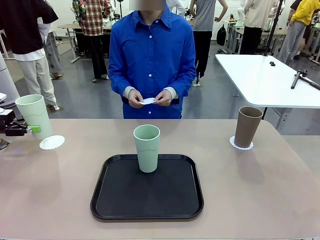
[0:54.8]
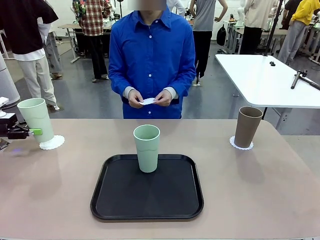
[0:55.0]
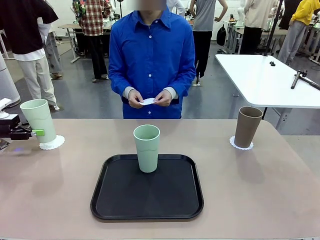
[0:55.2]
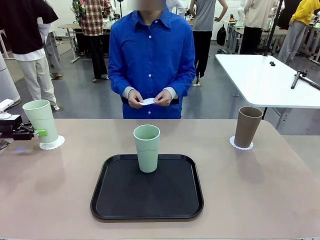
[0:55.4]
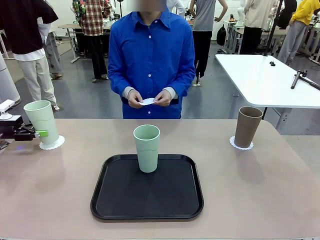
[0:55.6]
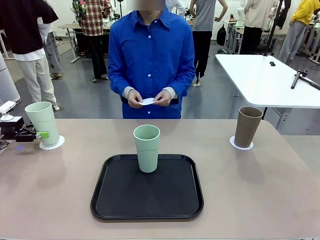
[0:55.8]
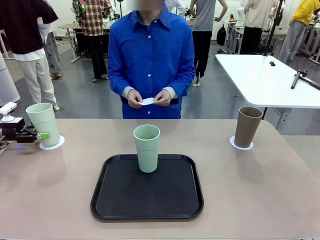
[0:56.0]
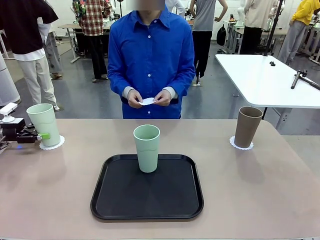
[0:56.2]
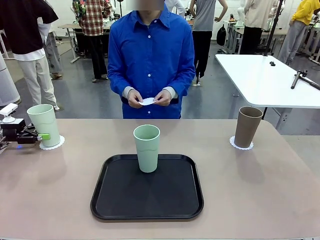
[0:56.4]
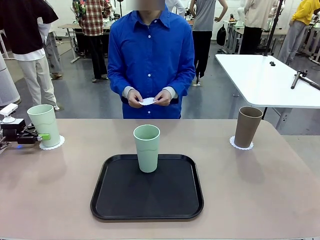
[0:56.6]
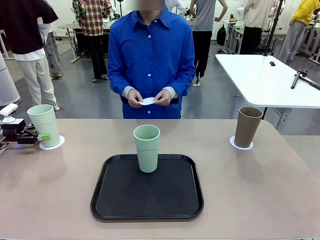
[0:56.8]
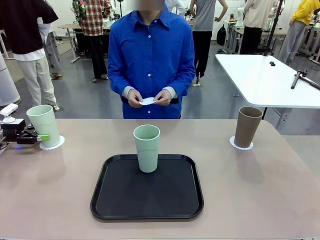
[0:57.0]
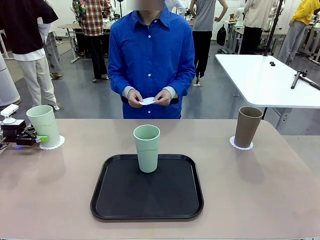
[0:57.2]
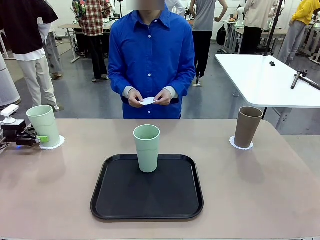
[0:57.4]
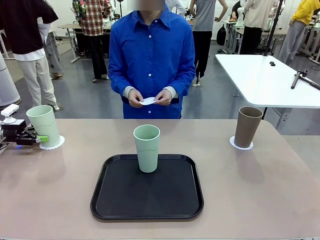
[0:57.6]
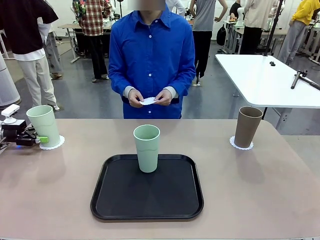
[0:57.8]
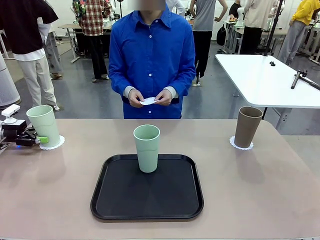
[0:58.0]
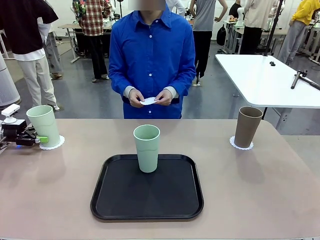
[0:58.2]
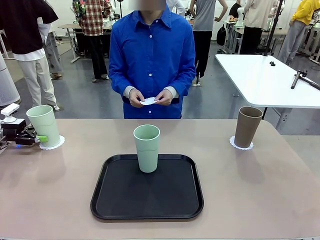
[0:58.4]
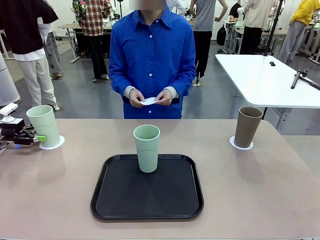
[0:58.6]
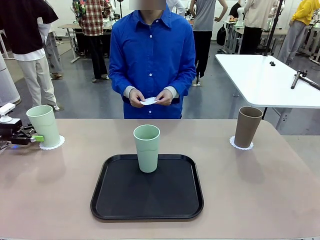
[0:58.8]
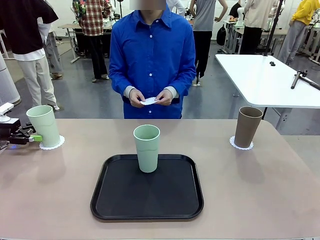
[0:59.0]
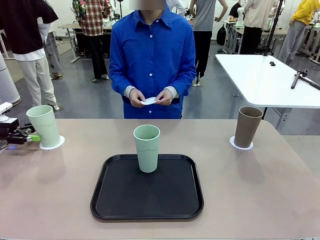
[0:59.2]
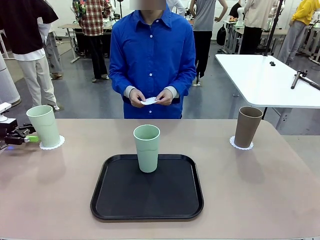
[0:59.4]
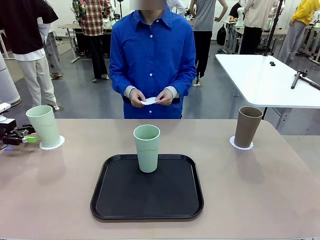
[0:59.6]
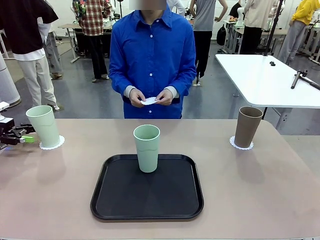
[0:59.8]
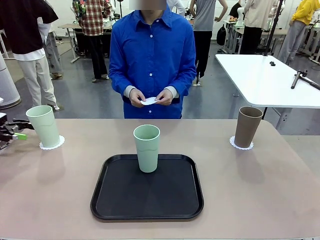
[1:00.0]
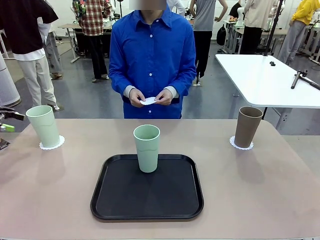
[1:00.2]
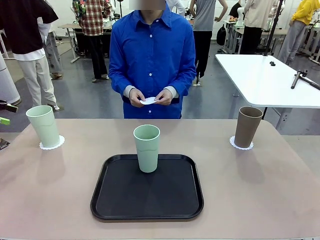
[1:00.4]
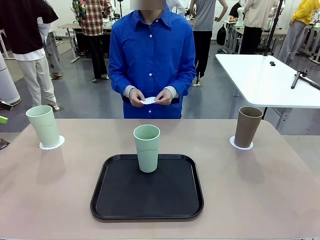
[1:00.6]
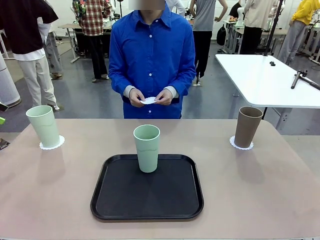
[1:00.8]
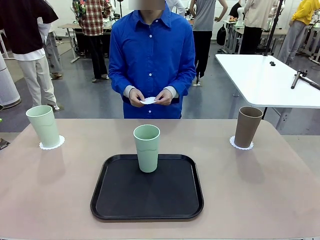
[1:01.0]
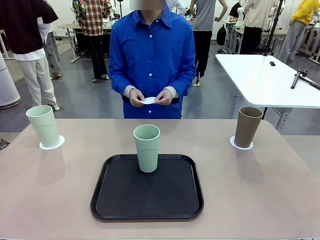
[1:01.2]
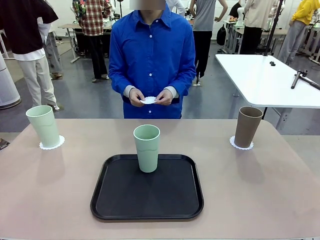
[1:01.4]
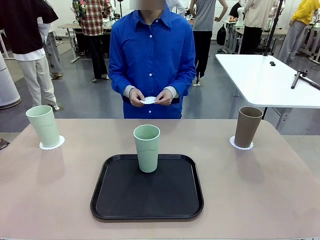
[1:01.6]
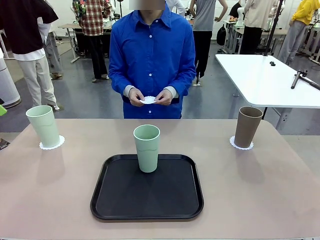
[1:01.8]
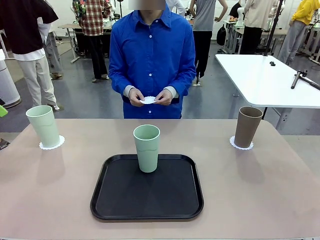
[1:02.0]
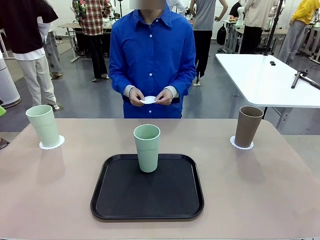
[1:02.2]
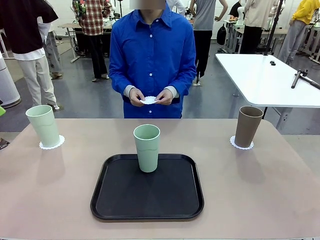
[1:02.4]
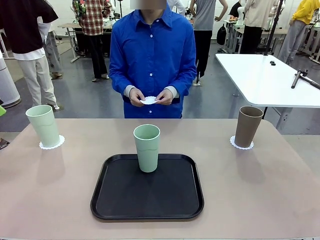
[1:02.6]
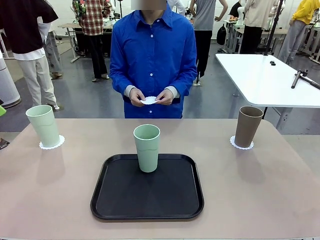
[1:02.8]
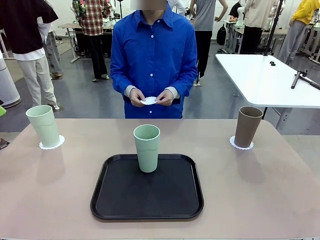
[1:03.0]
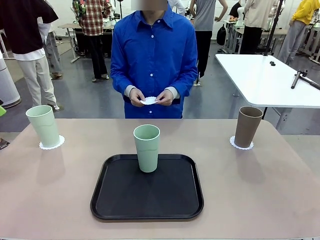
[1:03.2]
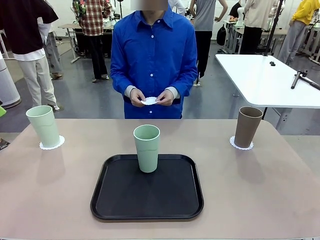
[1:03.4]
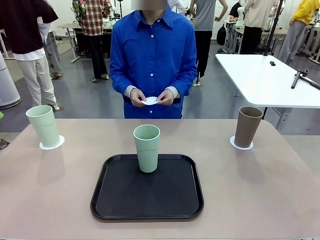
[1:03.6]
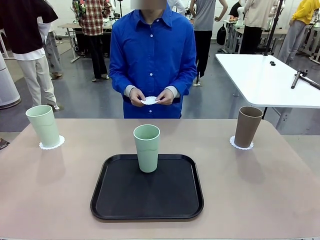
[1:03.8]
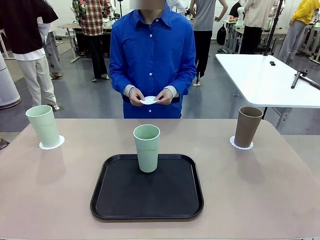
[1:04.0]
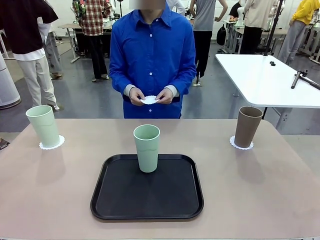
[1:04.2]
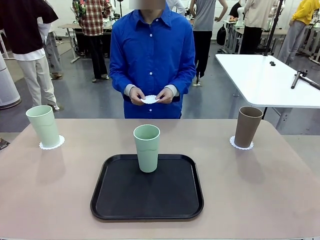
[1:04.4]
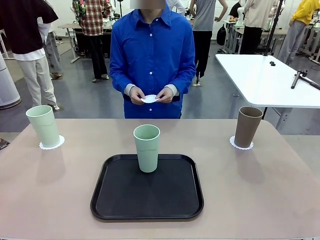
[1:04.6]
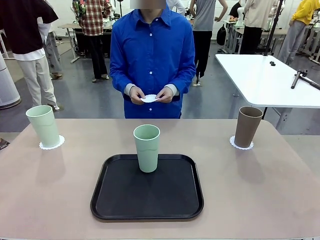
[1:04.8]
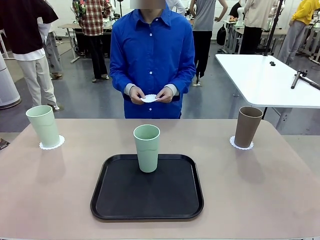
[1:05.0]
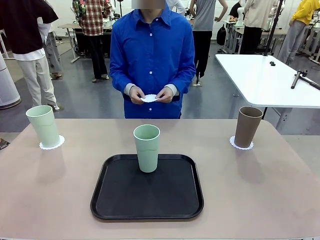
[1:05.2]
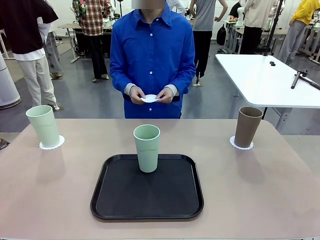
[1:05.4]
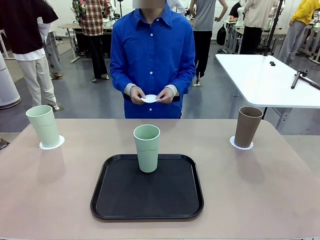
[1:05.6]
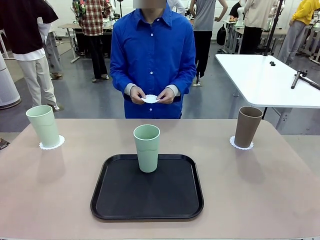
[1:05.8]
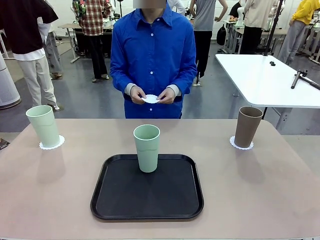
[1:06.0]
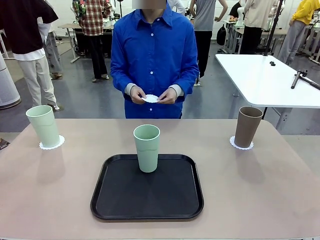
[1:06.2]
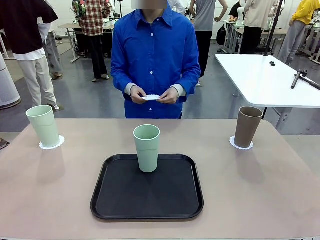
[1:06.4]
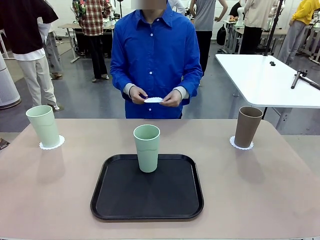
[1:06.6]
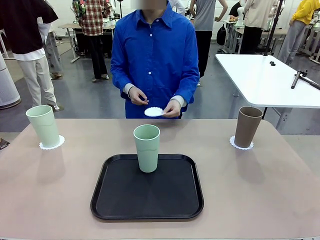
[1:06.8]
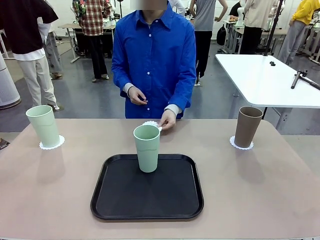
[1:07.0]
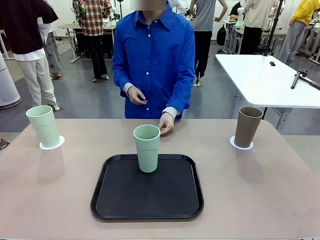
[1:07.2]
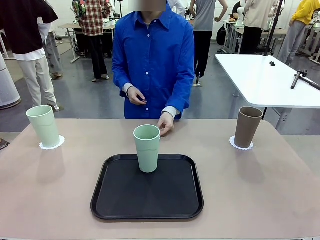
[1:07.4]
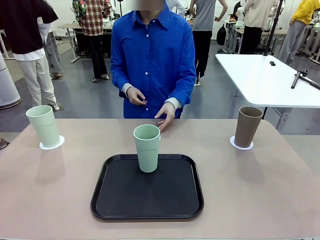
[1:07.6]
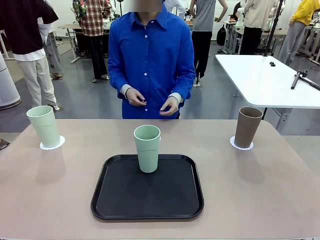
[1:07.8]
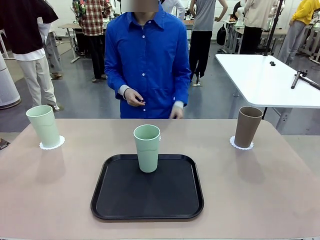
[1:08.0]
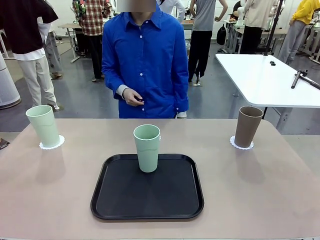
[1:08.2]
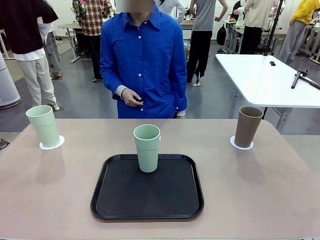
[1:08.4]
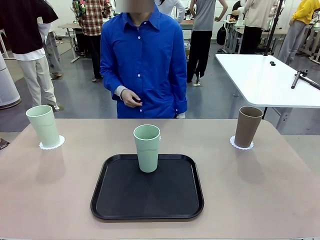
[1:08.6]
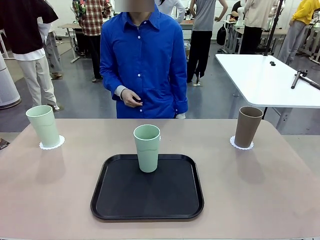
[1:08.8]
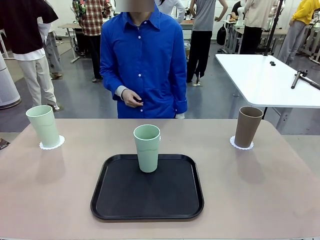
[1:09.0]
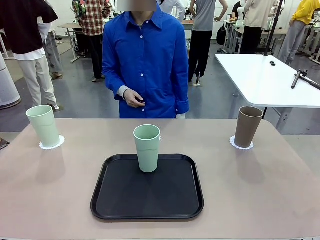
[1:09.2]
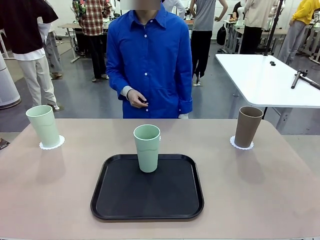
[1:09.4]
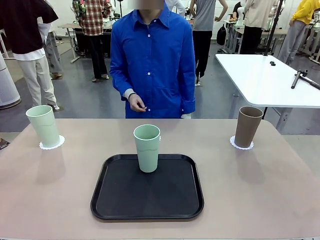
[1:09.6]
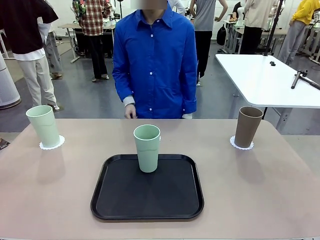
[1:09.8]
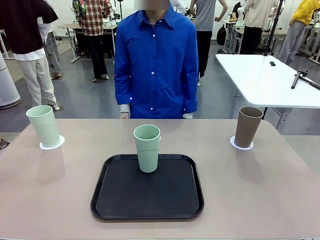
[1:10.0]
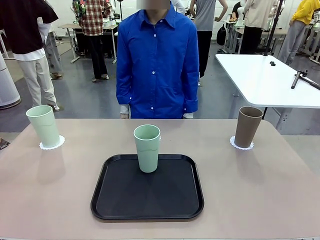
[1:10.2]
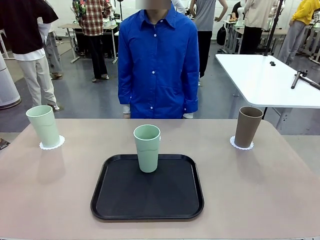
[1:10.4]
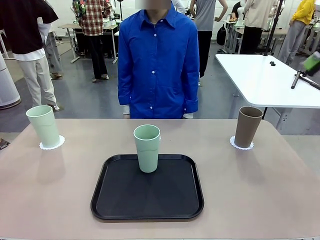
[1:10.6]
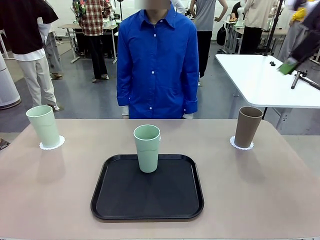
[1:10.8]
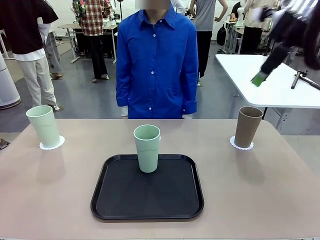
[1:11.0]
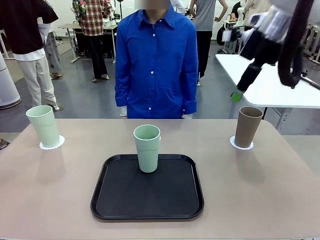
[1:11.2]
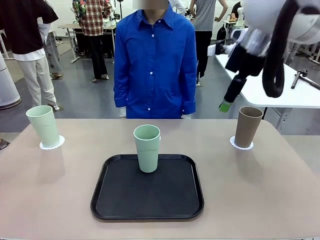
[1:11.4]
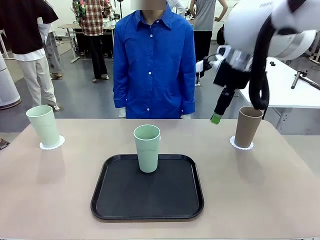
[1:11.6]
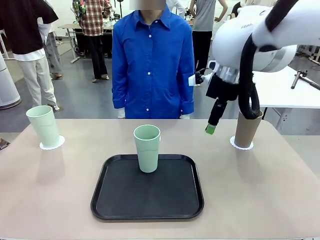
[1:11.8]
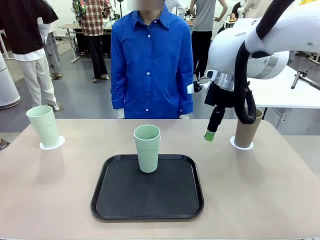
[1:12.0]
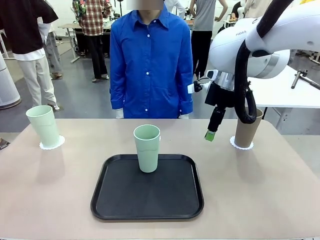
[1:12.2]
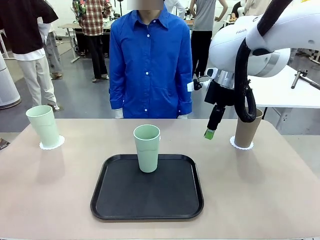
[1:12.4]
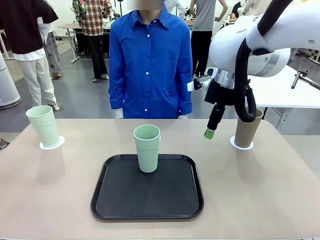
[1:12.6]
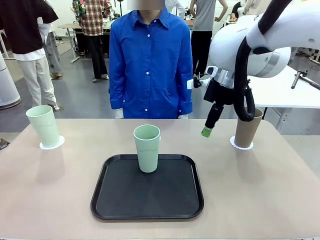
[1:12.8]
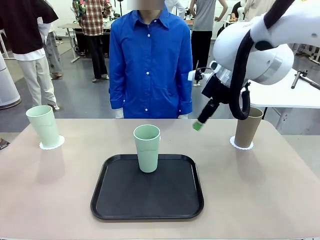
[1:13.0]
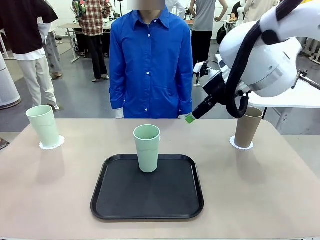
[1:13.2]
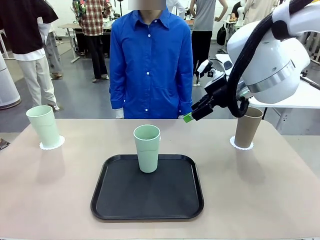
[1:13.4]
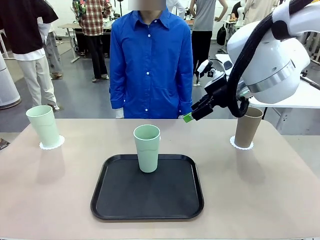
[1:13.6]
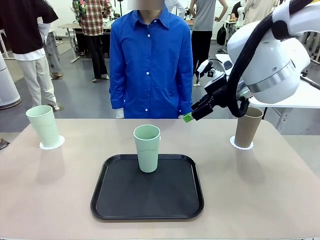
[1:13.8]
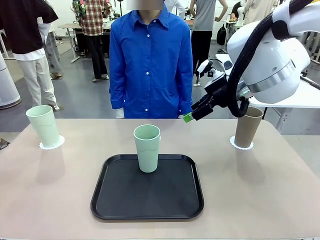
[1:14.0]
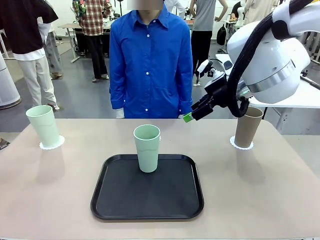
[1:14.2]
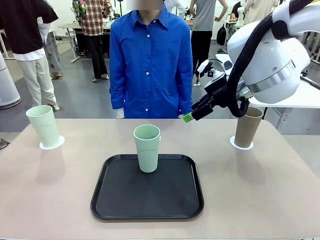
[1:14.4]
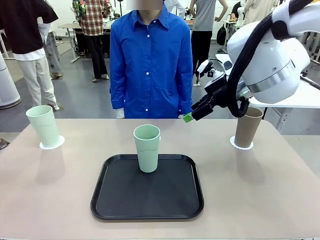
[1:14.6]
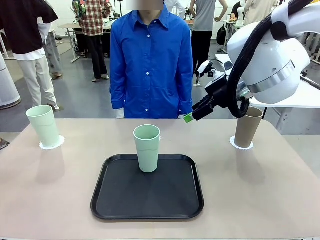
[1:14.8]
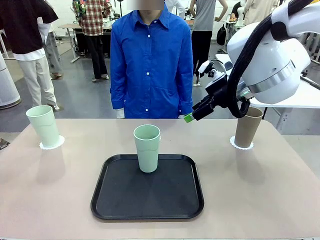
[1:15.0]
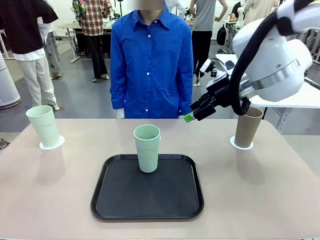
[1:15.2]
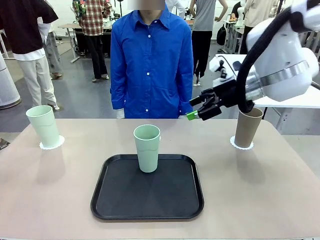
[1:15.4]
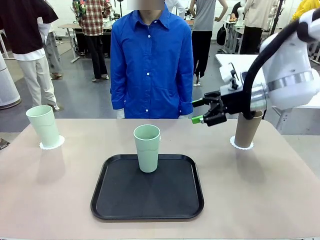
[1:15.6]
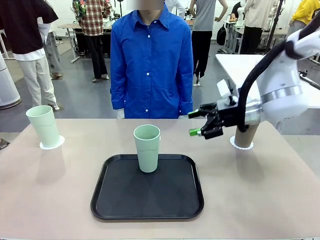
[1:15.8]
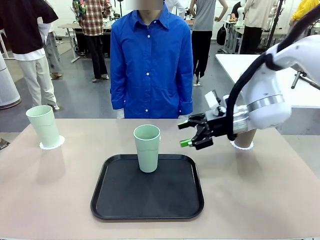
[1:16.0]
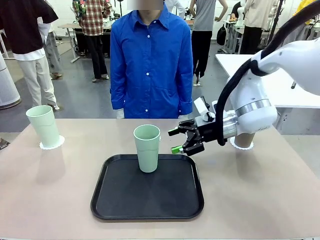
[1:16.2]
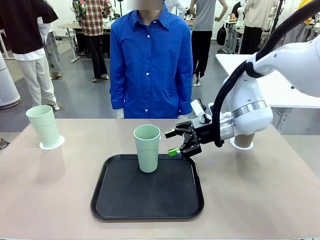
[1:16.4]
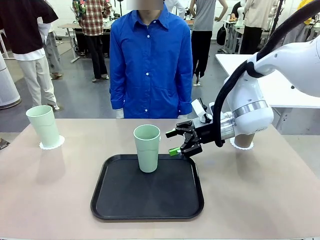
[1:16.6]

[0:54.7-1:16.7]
Task: Place coasters on the table and set cups on them.
Robot: Take one Reusable plastic cup from the Flat Tray and place it on a coaster set by the human.
